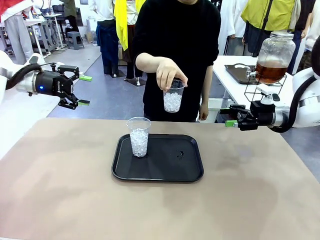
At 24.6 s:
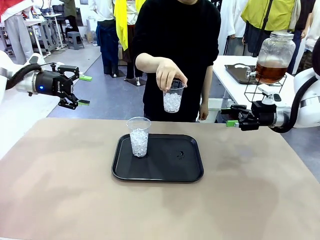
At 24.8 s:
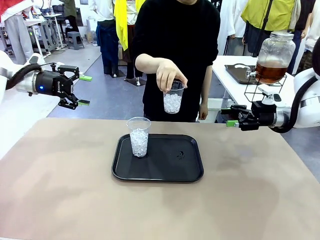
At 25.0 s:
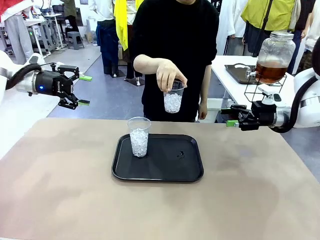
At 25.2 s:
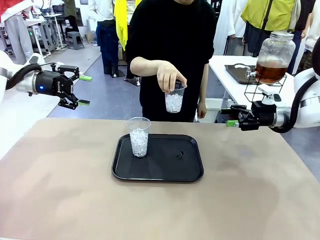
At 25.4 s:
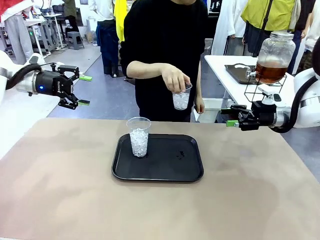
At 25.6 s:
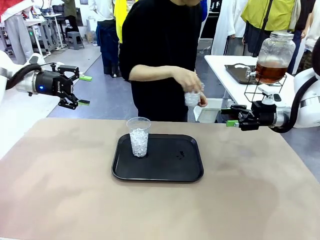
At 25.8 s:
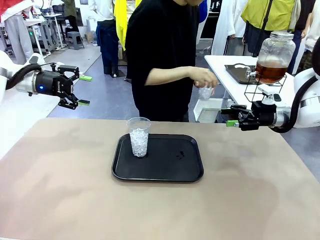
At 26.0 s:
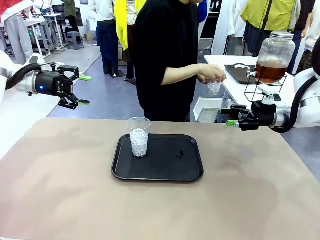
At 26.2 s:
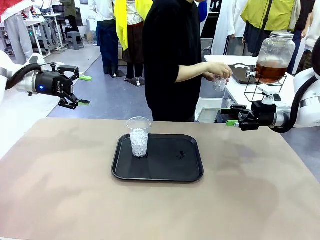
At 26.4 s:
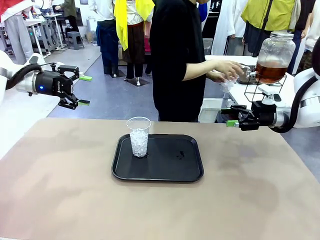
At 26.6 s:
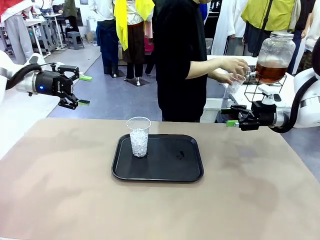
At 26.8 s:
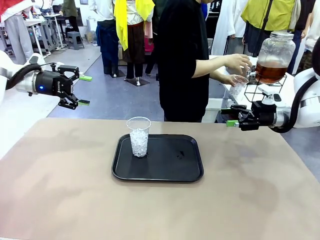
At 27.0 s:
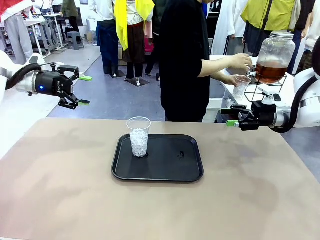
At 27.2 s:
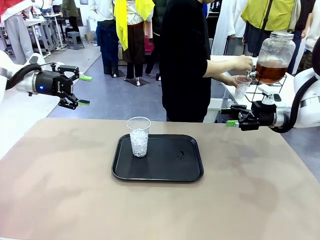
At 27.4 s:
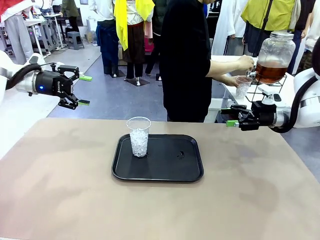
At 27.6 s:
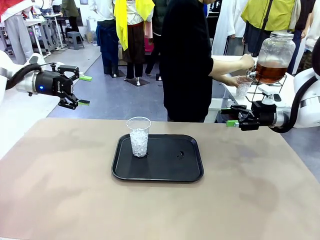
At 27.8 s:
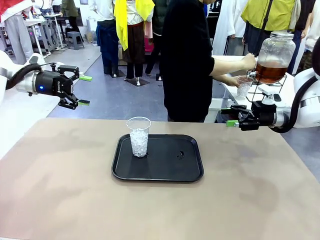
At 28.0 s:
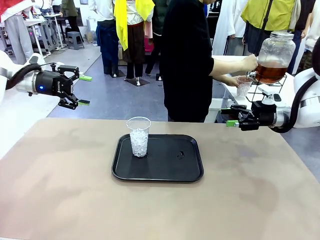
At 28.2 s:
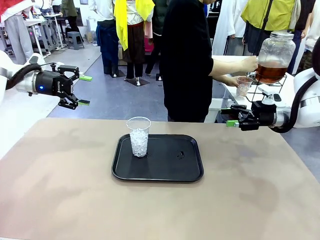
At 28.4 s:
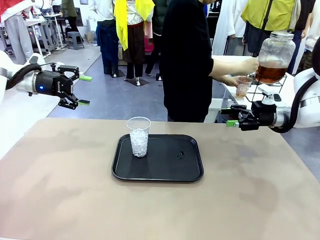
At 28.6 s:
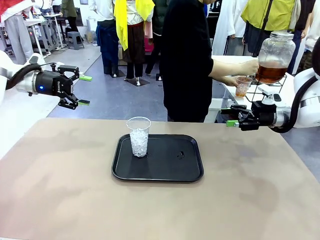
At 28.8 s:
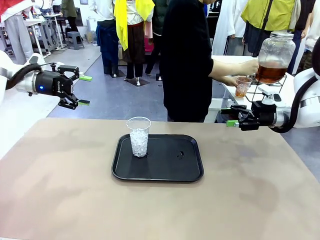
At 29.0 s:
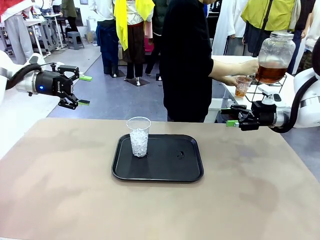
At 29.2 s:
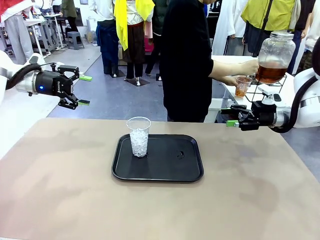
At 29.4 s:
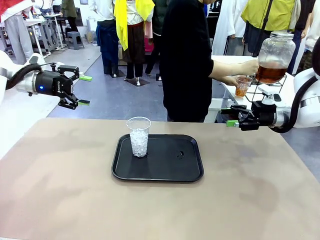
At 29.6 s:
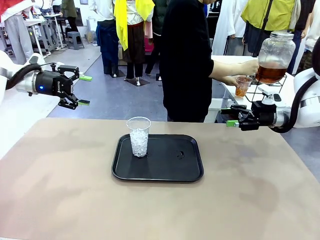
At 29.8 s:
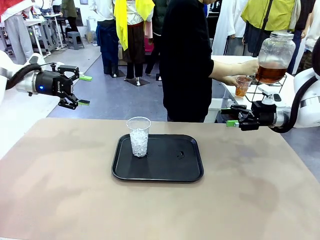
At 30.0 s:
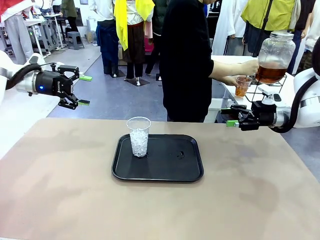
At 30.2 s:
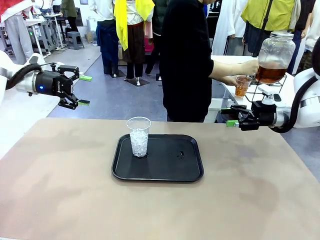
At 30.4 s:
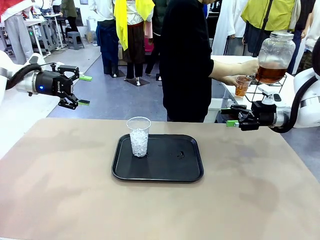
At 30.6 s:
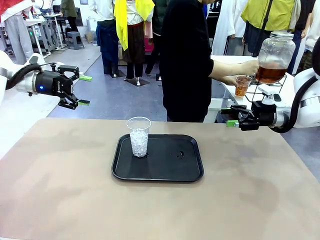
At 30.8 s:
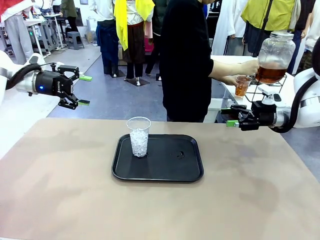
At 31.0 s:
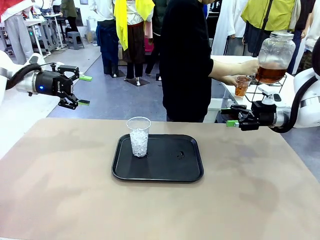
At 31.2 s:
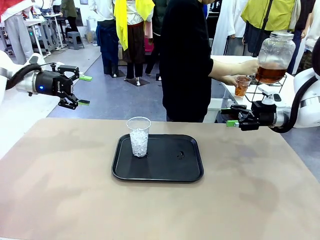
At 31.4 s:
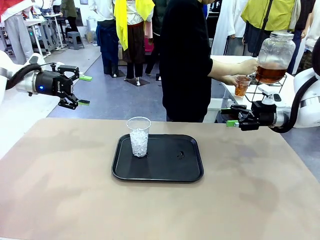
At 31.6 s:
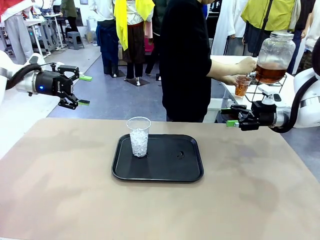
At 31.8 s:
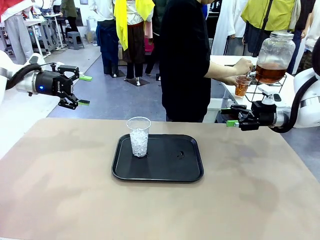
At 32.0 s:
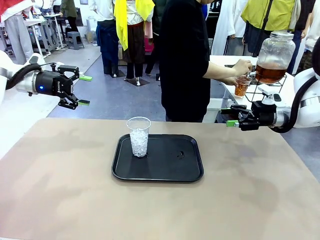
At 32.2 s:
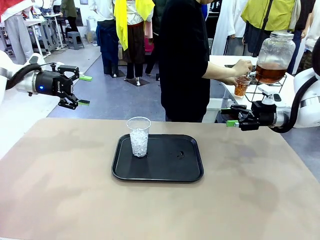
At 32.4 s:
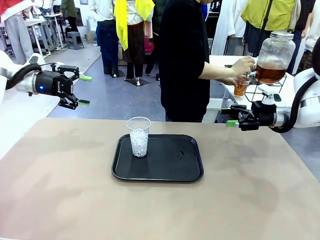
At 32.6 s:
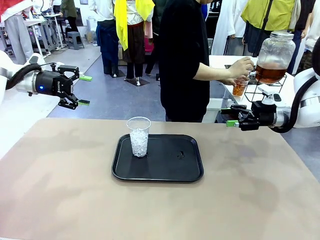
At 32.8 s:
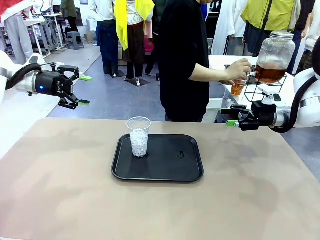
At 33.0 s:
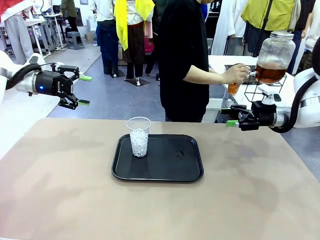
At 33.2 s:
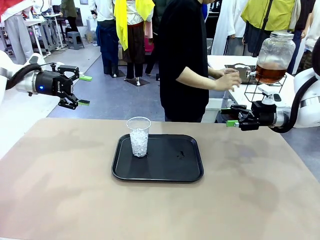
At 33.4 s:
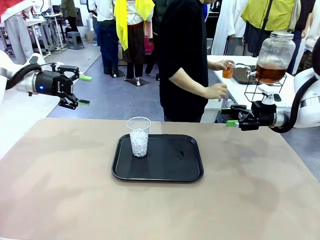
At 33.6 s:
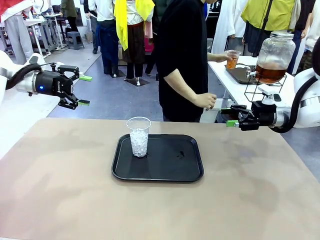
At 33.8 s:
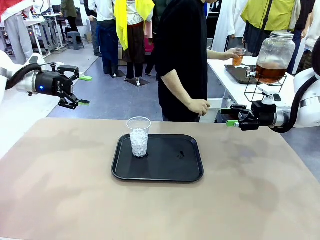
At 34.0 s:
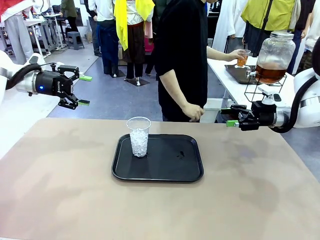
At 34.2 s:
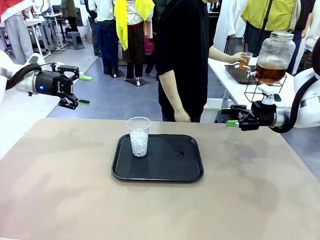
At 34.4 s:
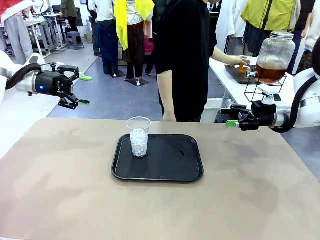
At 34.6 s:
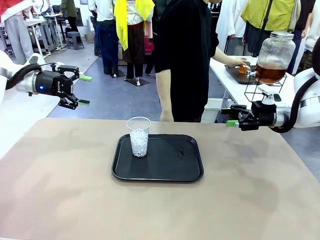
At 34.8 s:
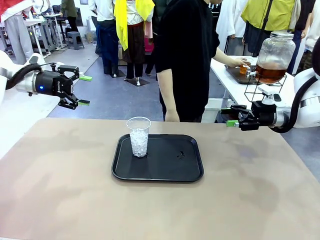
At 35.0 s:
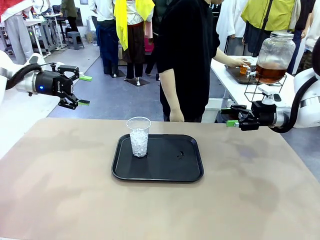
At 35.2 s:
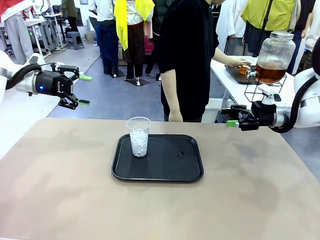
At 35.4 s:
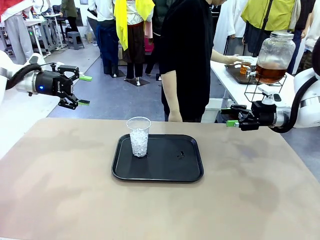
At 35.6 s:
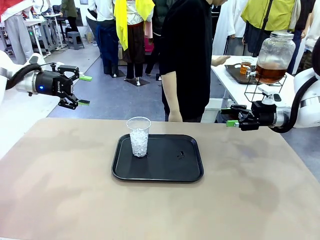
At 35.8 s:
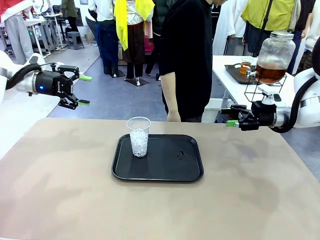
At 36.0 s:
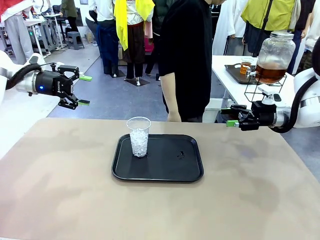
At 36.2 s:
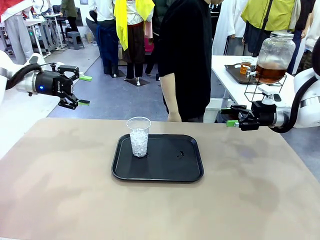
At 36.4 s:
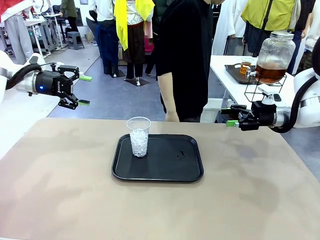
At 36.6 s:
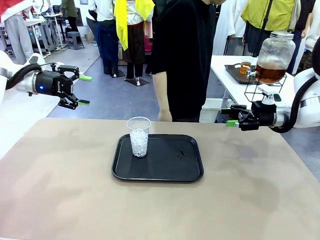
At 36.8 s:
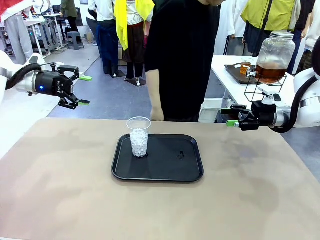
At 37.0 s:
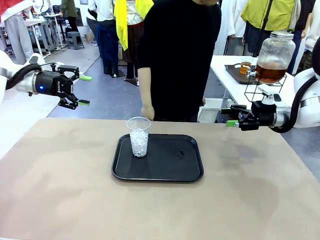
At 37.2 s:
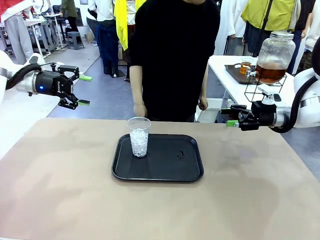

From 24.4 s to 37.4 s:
Task: Pour the drink into the iced cup.
Robot: Pick up the iced cup indicated by the human and present it to them.
Person: Move the picked-up cup under the dispenser faucet, pour the drink, and place it on the tray on the human table.
